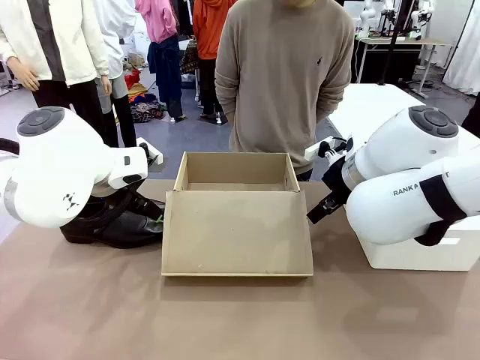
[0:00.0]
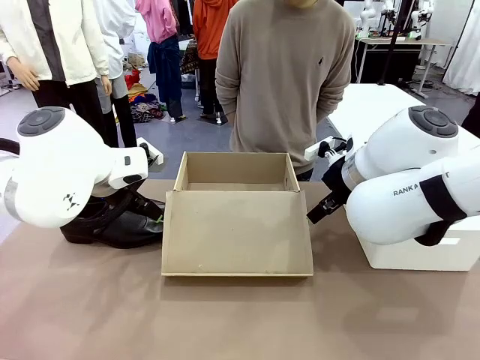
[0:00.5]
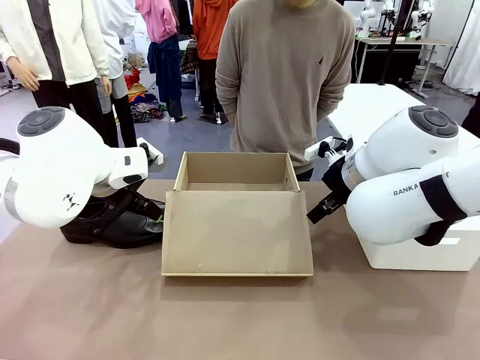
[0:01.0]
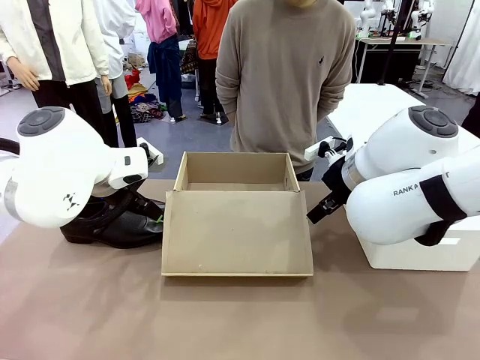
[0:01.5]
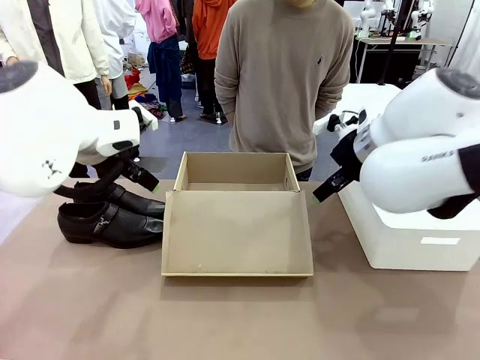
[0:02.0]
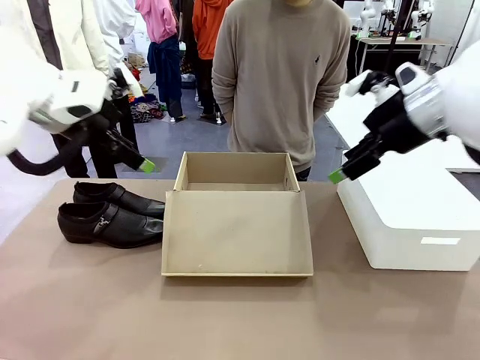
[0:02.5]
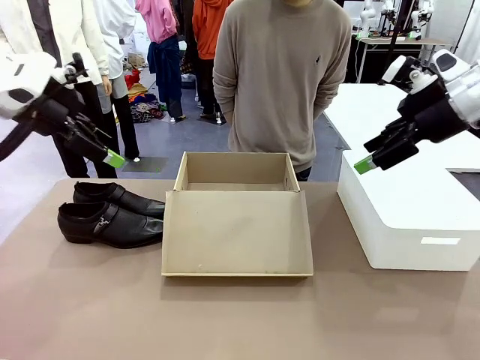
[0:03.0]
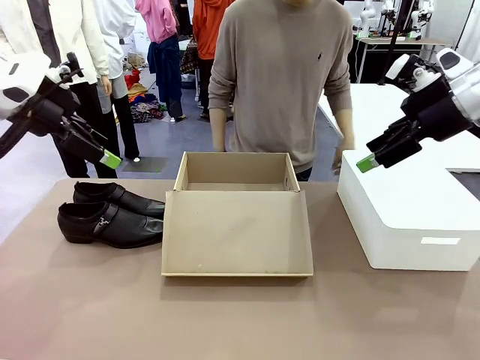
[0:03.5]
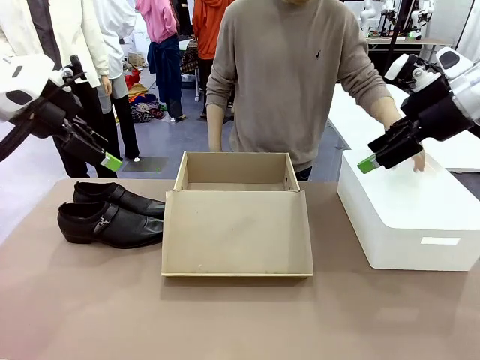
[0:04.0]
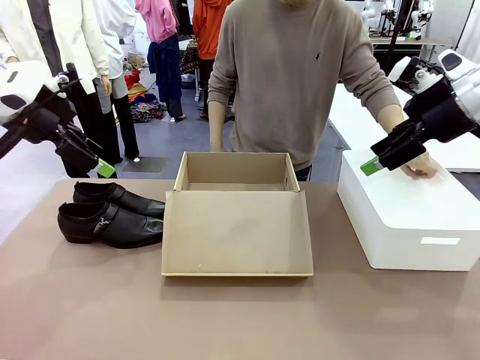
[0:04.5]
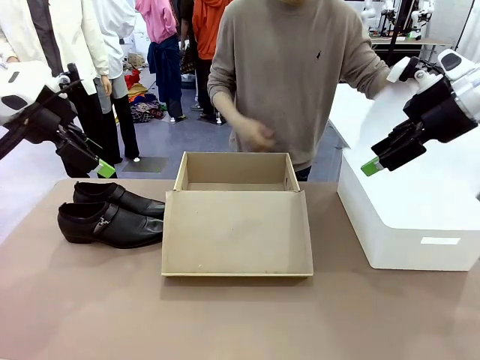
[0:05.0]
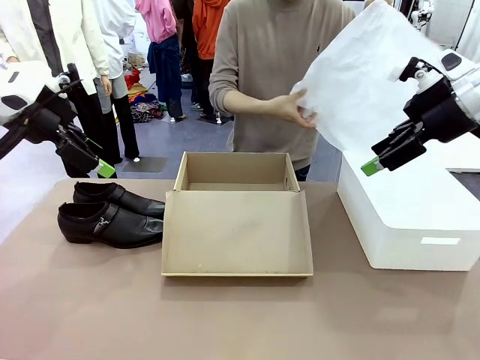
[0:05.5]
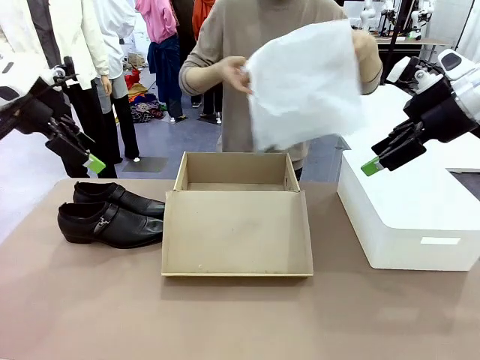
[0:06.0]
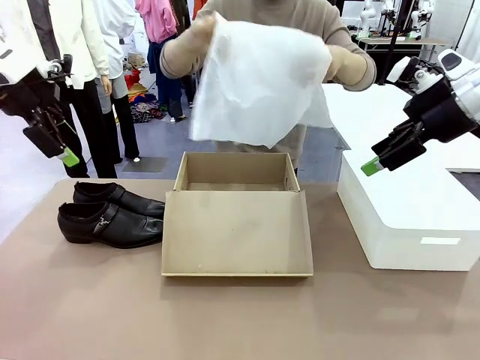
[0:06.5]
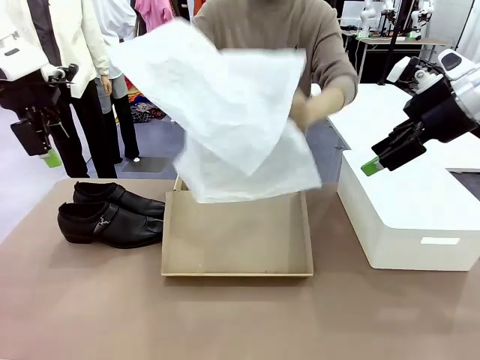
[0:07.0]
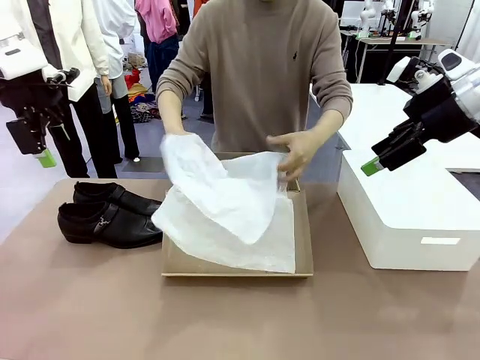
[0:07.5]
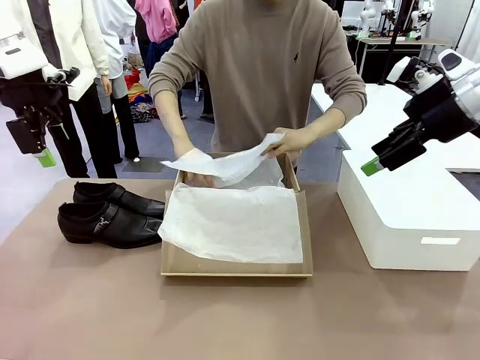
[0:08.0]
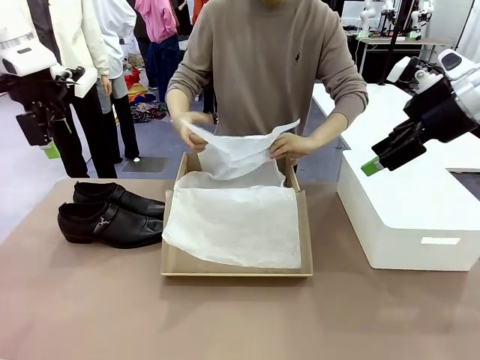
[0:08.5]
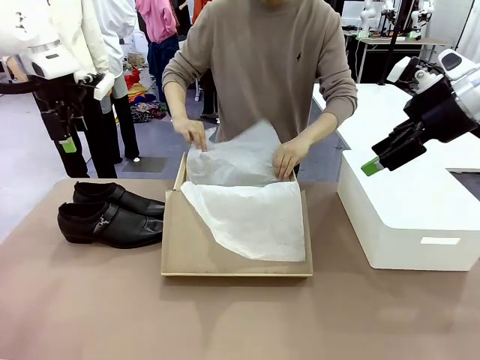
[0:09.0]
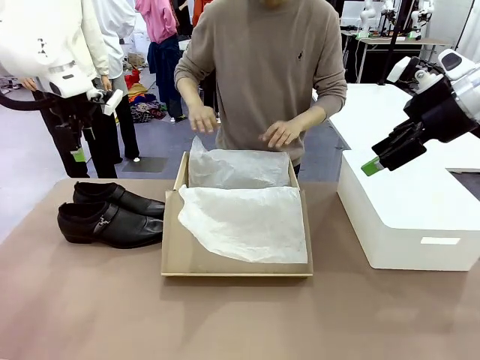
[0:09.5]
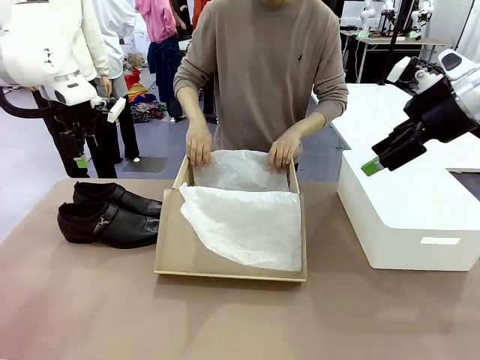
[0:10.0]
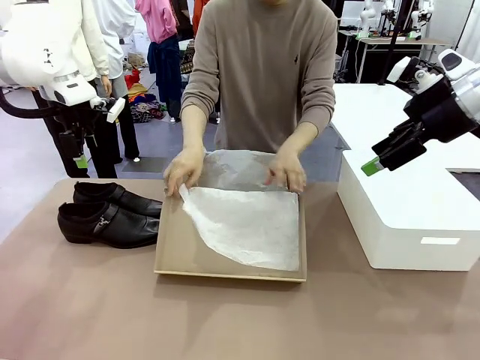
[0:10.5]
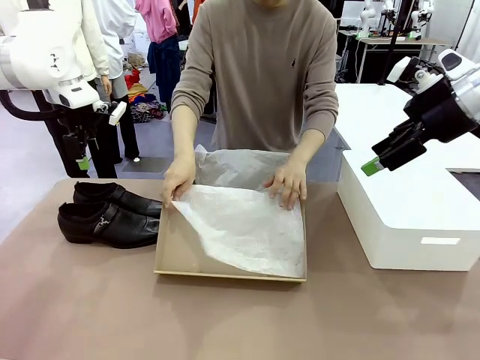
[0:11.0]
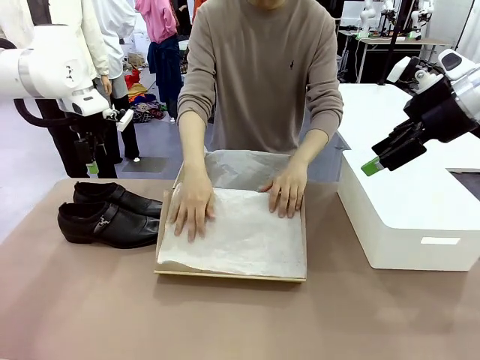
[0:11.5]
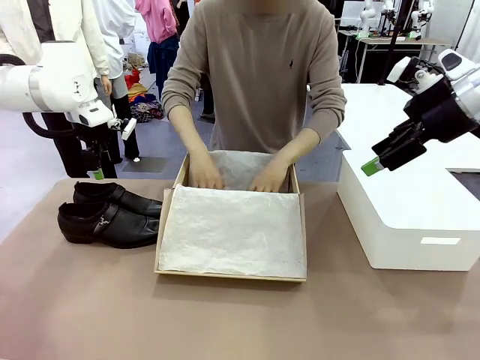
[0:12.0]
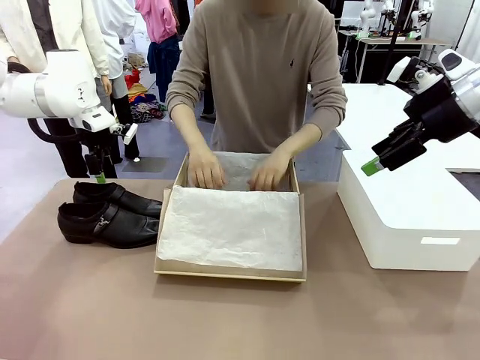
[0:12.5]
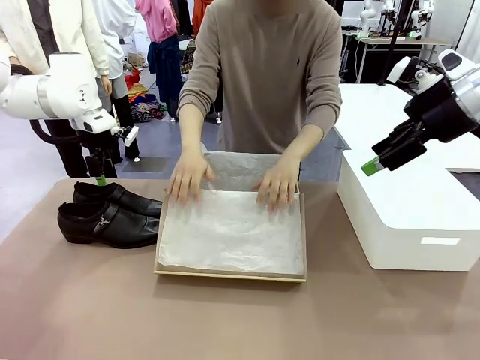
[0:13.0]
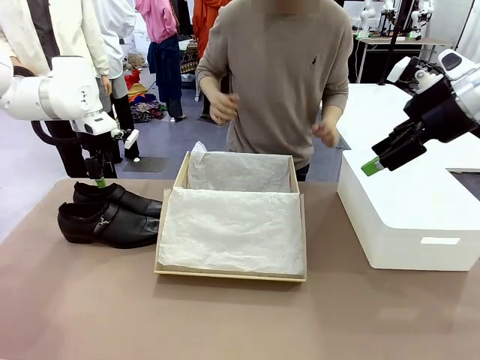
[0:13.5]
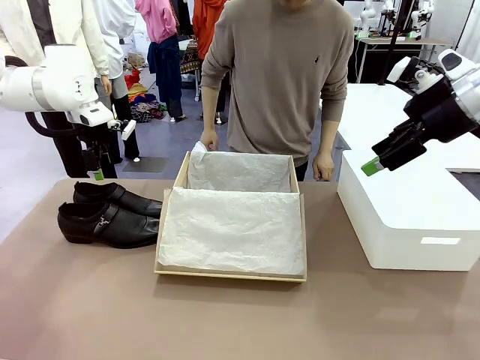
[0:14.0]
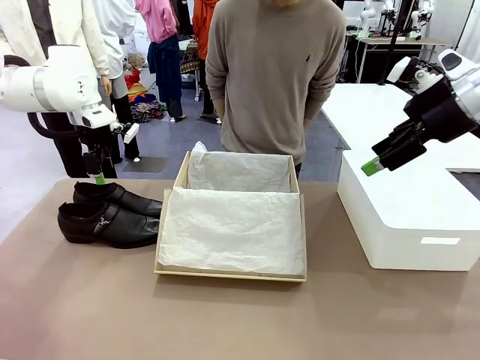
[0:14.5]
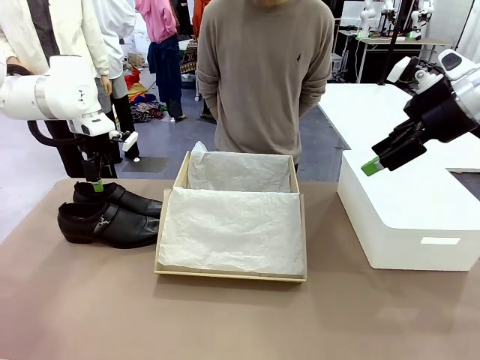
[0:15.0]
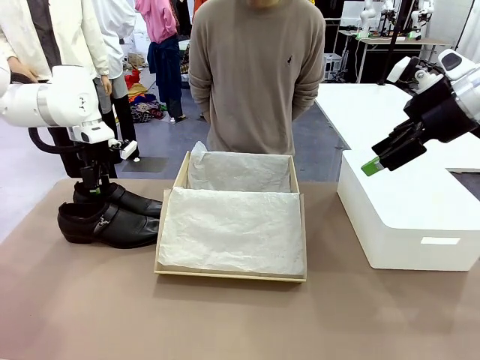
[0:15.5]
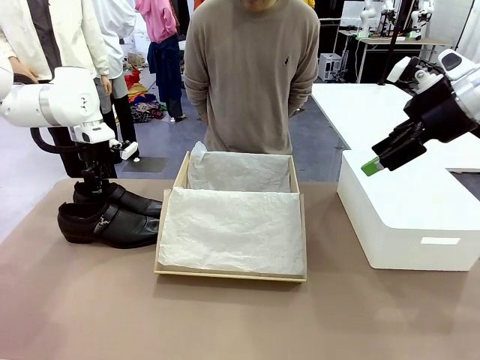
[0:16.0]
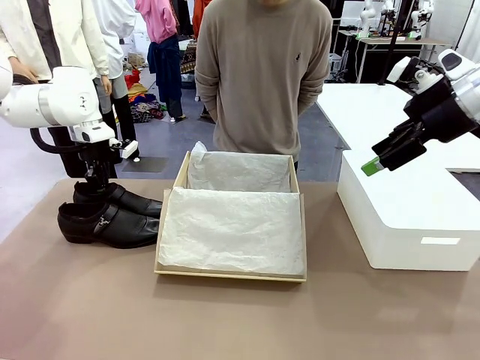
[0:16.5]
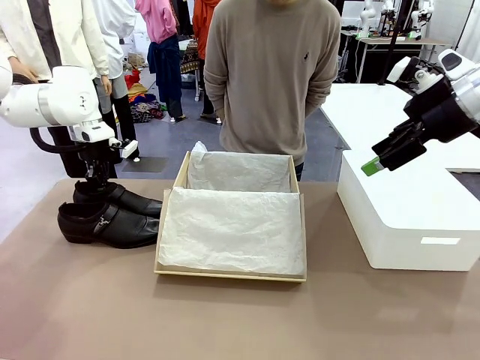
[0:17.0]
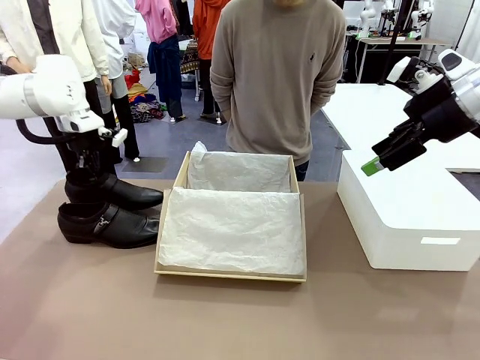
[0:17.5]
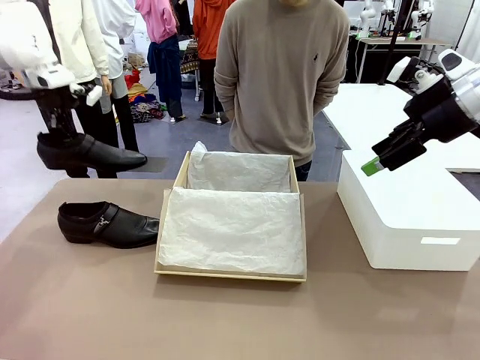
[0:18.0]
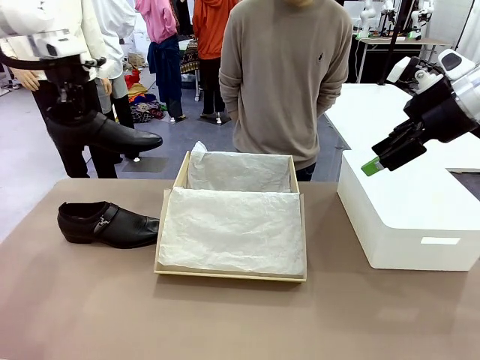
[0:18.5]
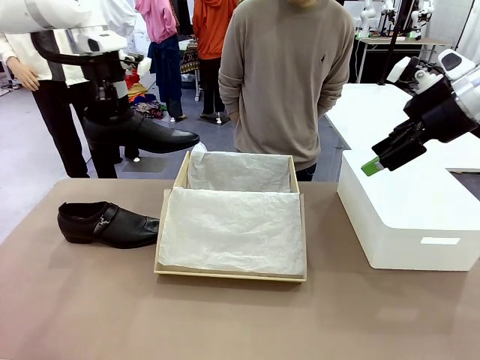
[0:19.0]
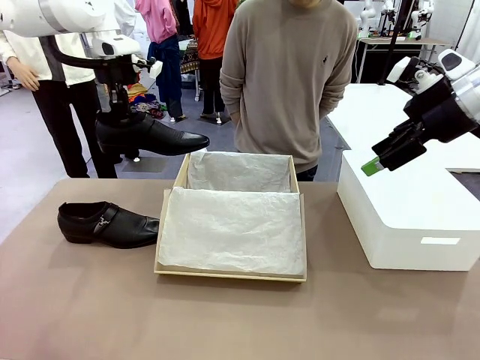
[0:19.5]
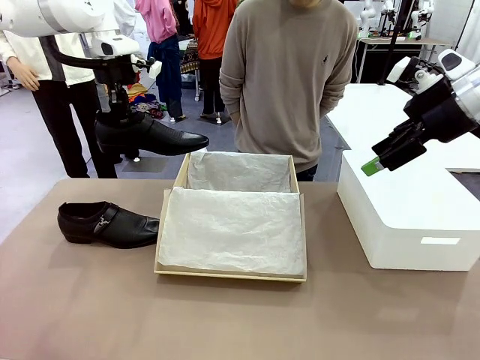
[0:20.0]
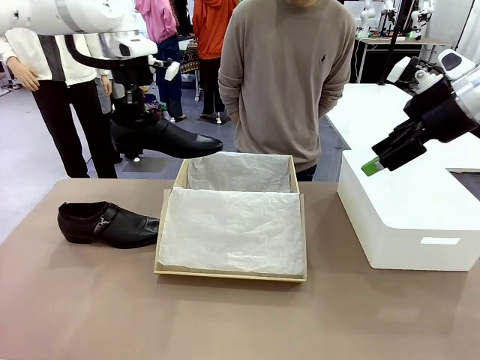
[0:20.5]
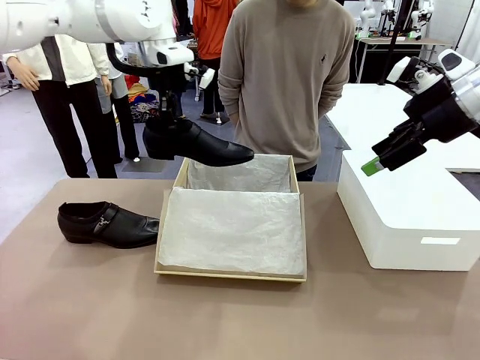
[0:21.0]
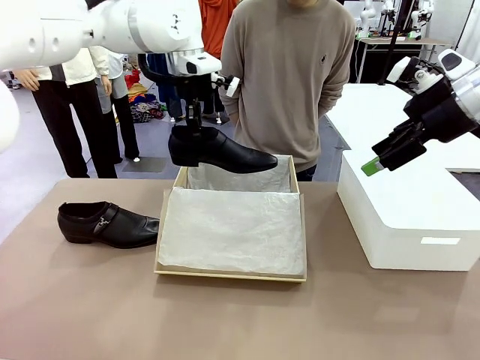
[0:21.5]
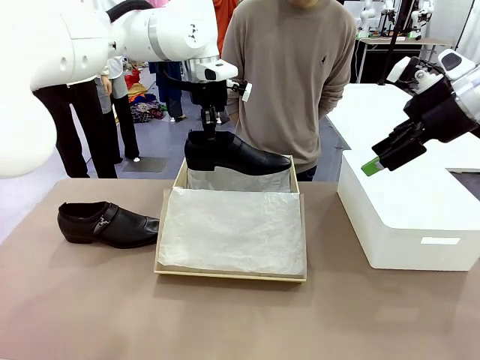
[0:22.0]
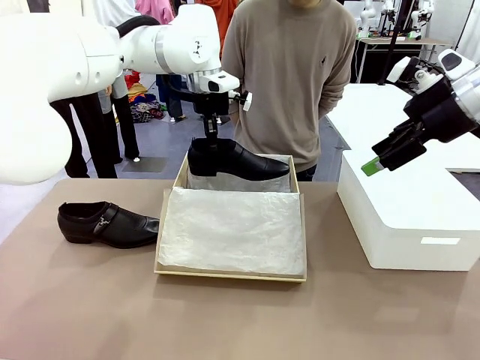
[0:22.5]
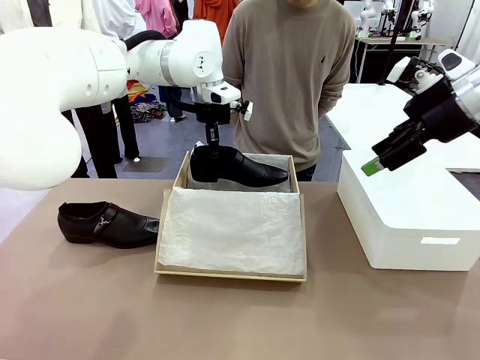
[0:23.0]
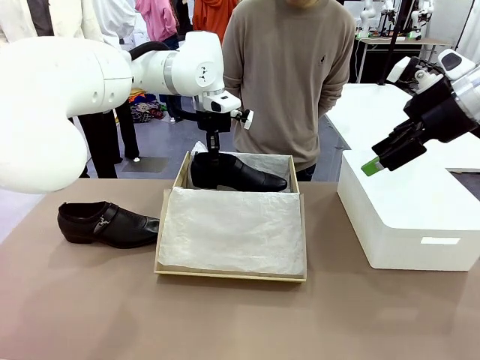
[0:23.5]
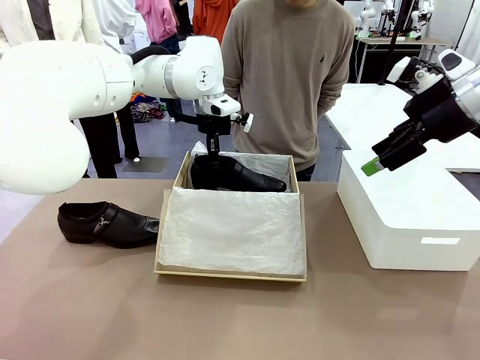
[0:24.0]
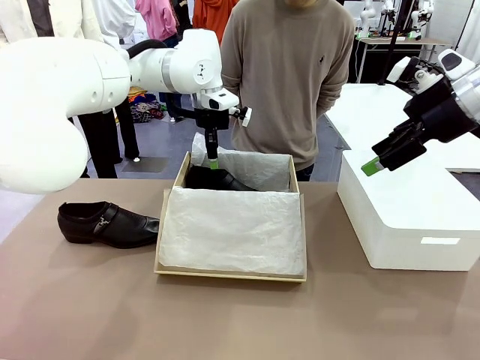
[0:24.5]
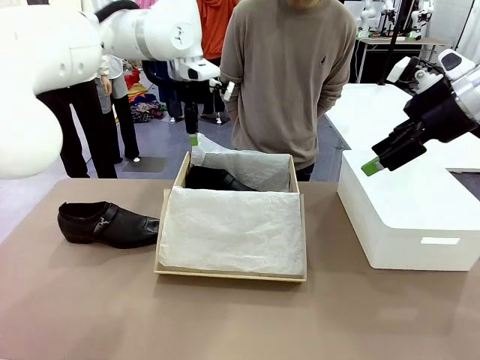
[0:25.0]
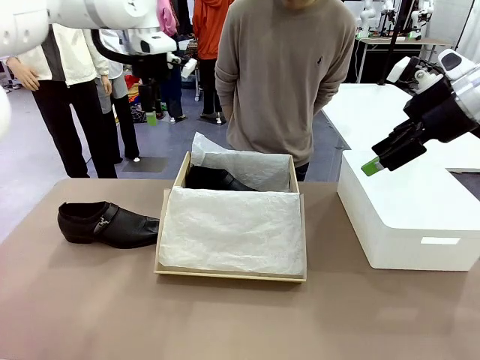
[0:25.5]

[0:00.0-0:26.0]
Task: Pack the shoes into the box.
Robot: Place one shoe of the Shoes into the Shoes Box.
Person: Spread Shoes Wrapping Paper and place inside the Shoes Box.
